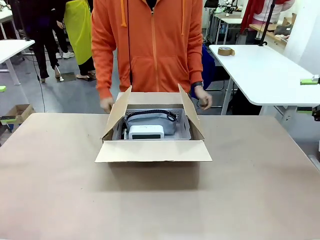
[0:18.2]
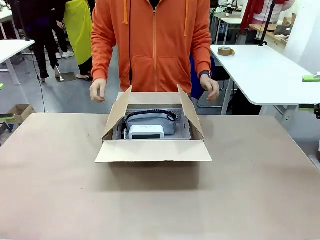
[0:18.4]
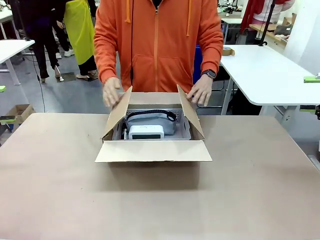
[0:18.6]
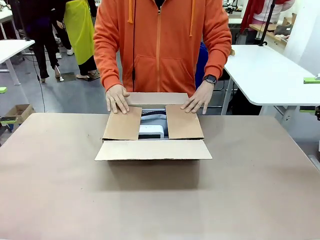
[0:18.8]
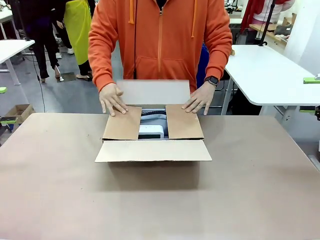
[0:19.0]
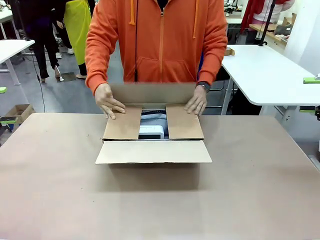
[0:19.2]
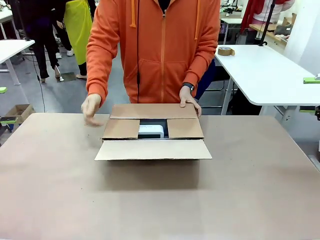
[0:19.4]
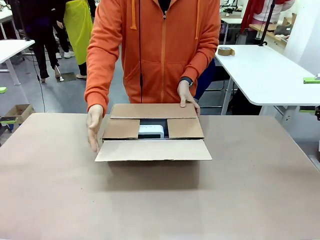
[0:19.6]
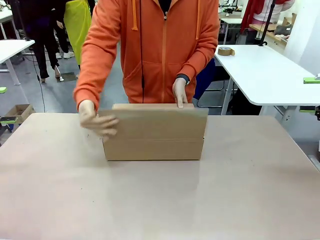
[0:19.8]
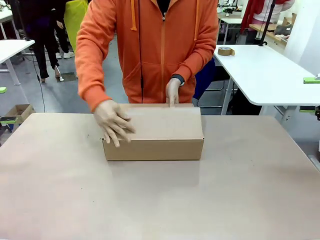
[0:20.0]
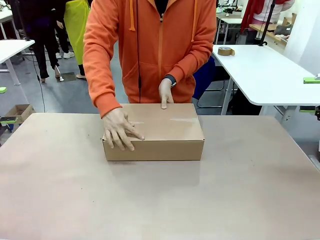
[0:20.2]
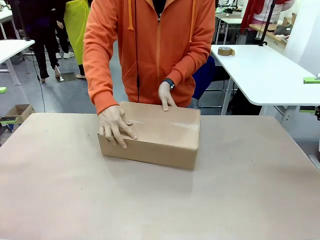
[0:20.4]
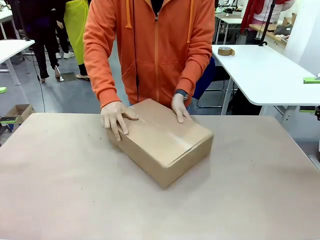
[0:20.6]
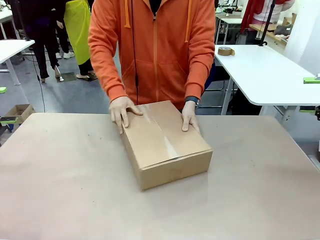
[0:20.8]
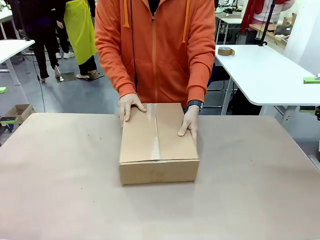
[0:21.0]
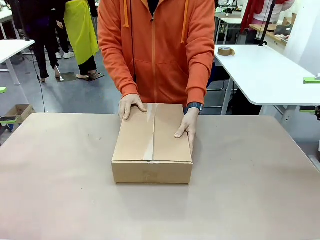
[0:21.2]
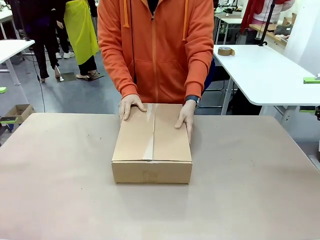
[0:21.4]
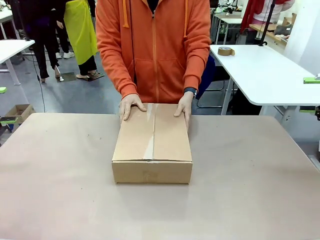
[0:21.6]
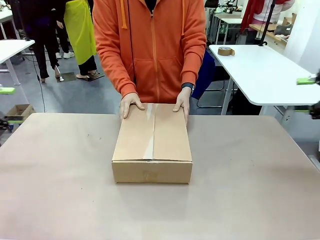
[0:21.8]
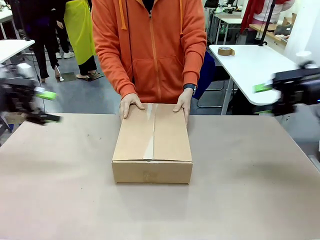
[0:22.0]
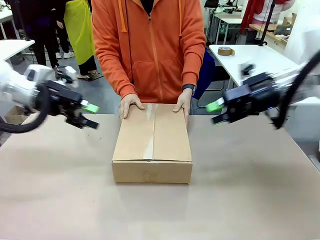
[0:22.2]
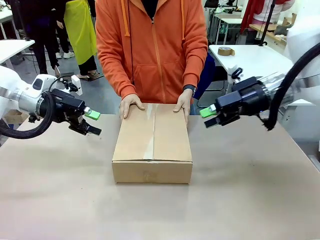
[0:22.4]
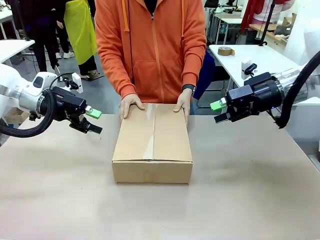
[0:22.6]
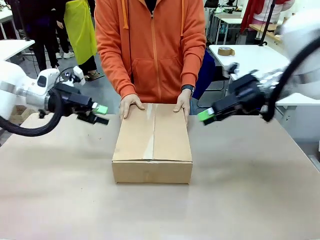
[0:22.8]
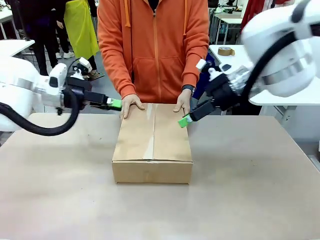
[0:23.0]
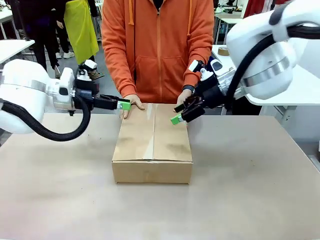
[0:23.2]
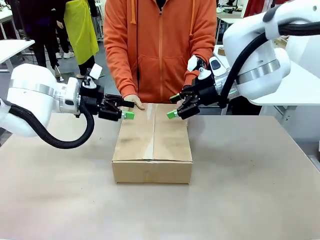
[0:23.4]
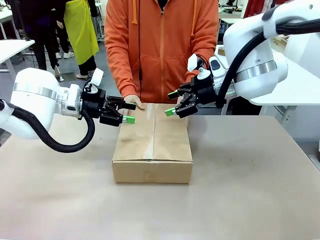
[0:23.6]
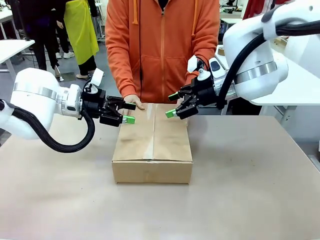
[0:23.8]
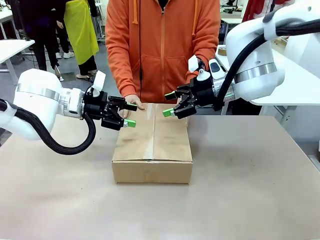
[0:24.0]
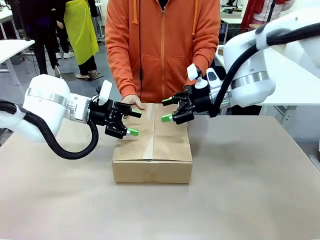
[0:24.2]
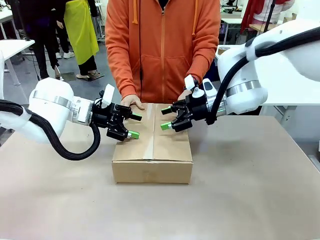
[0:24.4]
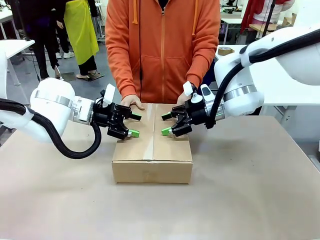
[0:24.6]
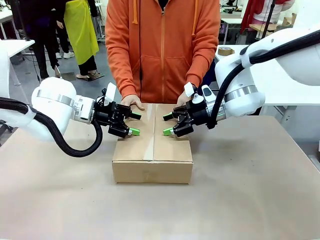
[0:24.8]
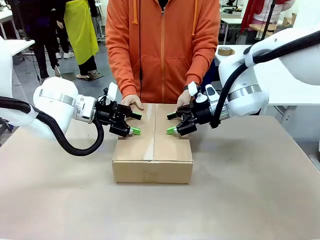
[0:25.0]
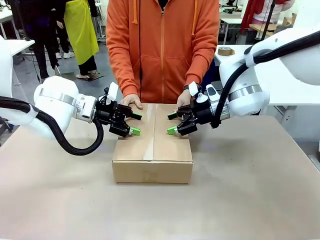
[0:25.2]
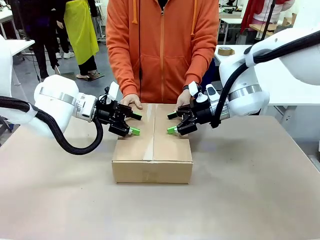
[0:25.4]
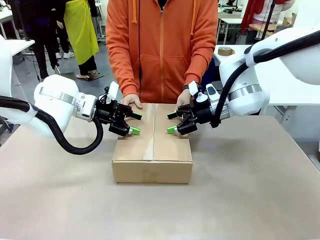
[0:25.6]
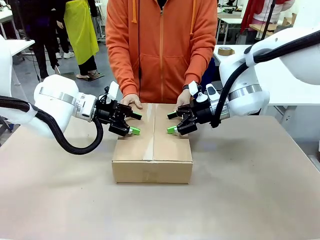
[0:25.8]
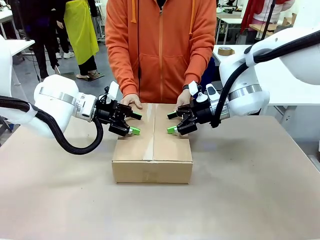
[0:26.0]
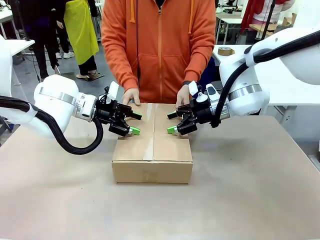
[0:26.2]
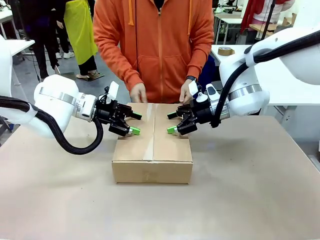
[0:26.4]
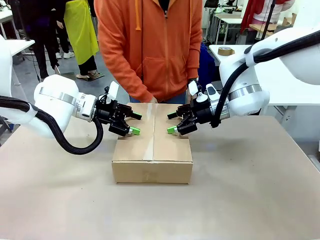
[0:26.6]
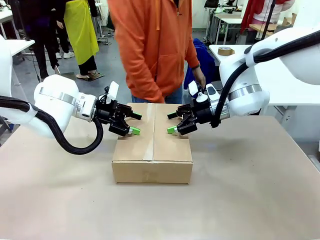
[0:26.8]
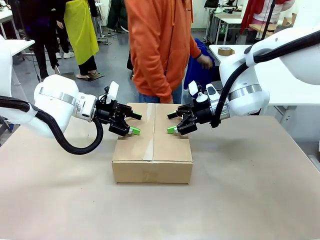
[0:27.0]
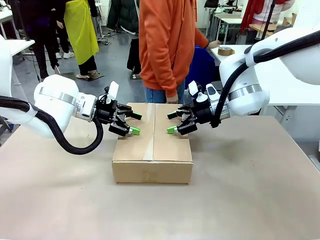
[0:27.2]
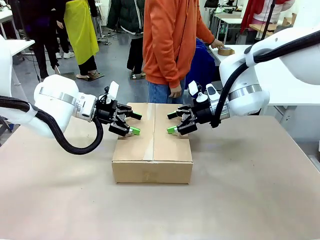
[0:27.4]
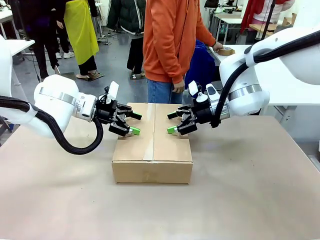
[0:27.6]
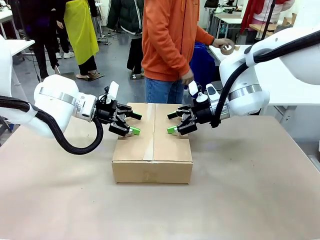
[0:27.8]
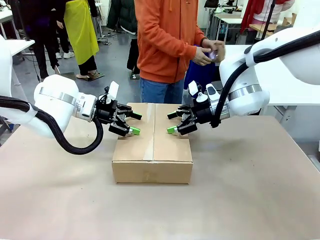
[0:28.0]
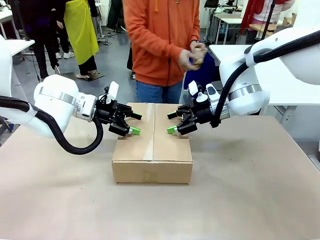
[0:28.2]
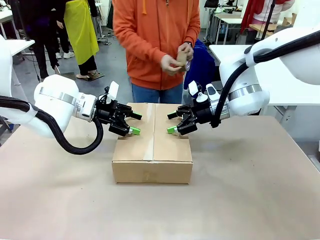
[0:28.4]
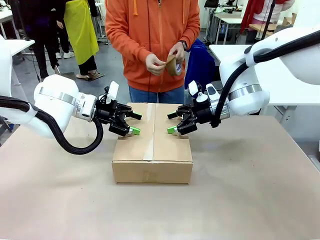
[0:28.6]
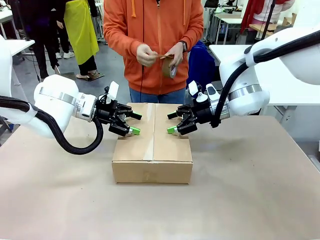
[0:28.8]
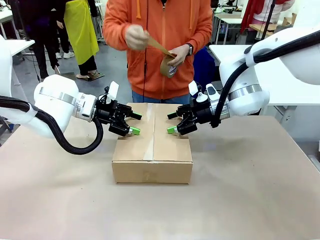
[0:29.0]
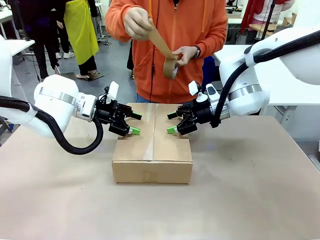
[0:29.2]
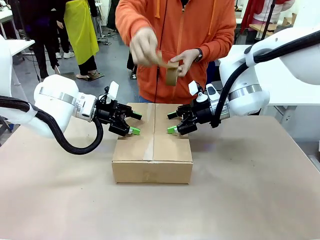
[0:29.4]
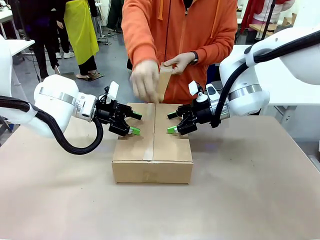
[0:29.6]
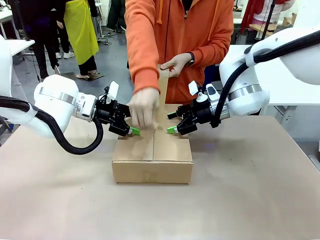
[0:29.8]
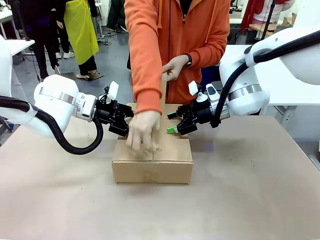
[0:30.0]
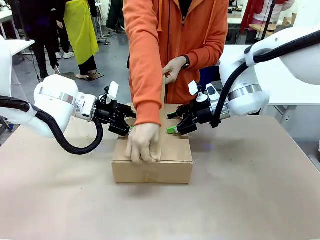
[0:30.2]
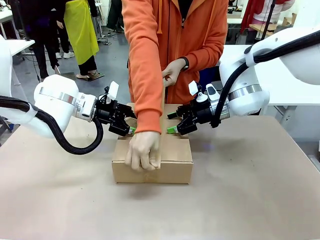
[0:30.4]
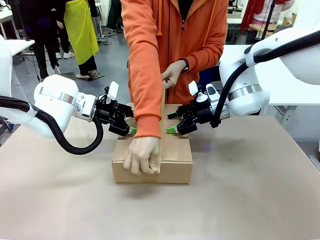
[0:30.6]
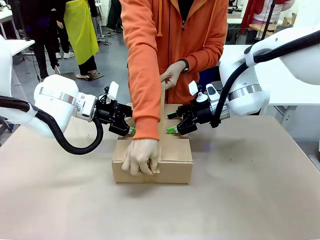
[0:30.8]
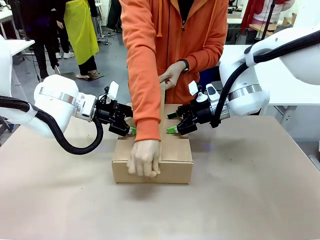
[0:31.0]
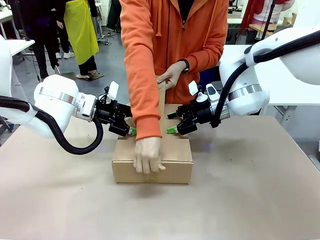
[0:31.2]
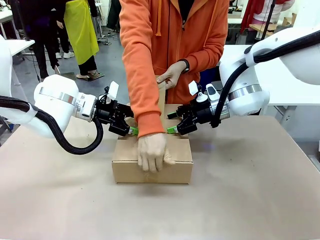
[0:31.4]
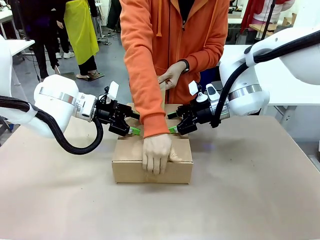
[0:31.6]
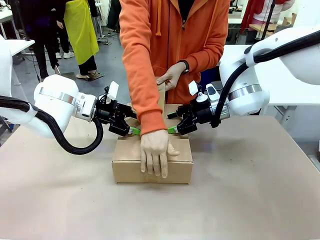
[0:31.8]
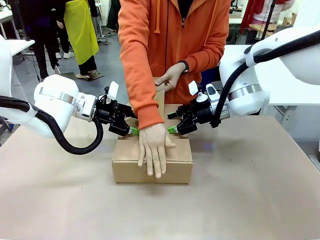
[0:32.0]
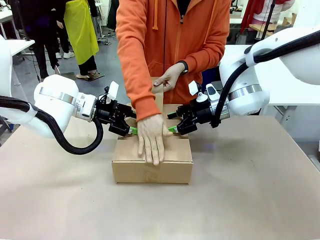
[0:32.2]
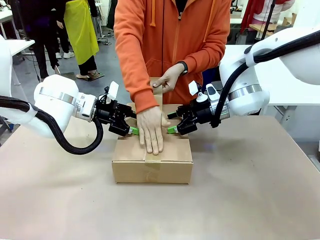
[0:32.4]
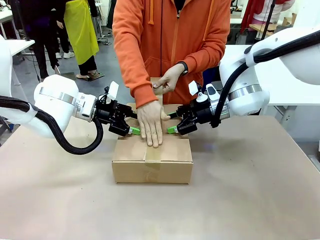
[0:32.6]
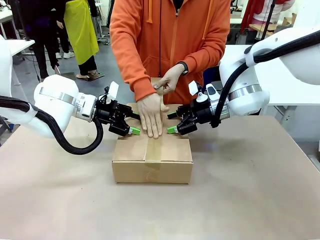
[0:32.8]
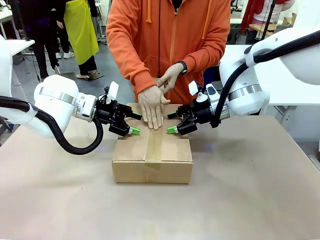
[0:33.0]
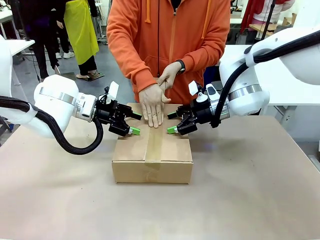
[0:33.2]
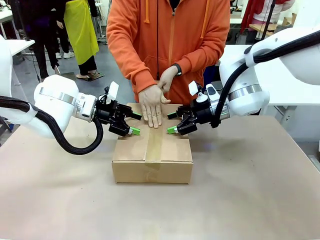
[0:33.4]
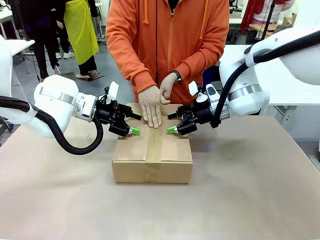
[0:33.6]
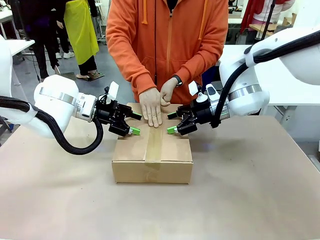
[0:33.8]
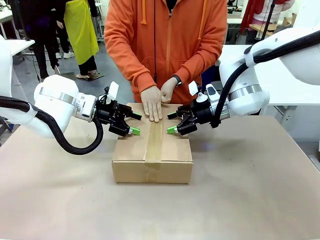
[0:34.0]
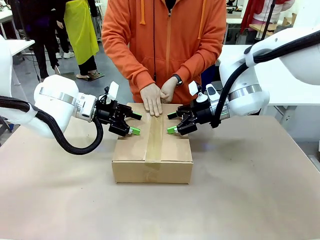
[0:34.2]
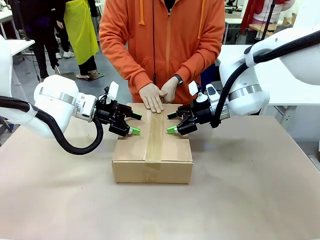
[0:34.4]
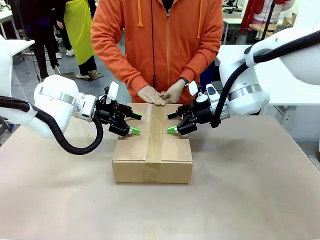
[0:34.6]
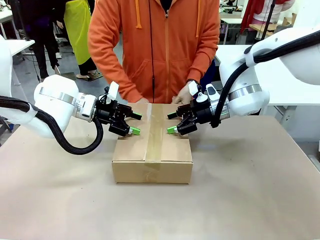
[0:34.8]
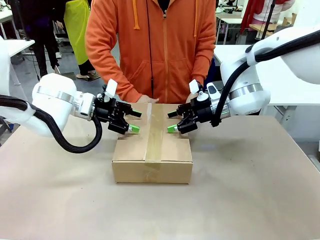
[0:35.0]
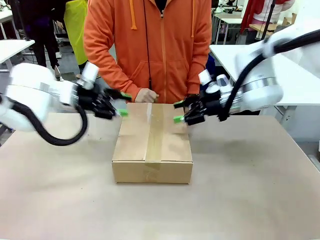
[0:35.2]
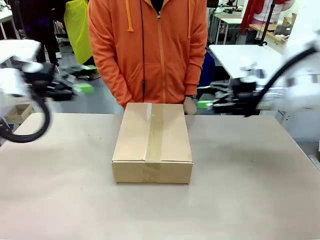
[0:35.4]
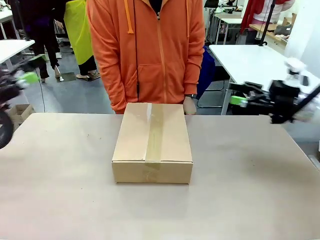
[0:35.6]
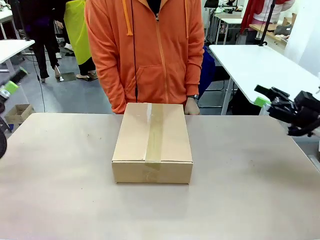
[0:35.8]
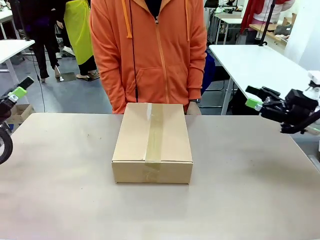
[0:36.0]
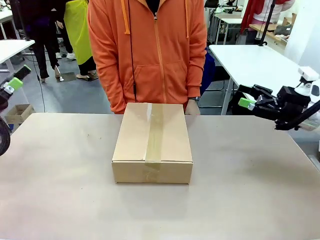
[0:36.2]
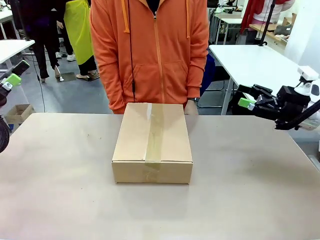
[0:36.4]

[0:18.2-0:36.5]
Task: Pack the gift set into the box.
Robot: Press and hold the closed box until the human finishes sealing it.
Person: The human closes the box and rotates the box by 90 degrees. The human picks up the paper tape from the human table and packs the box.
